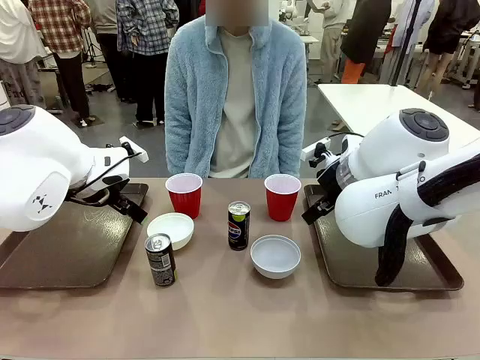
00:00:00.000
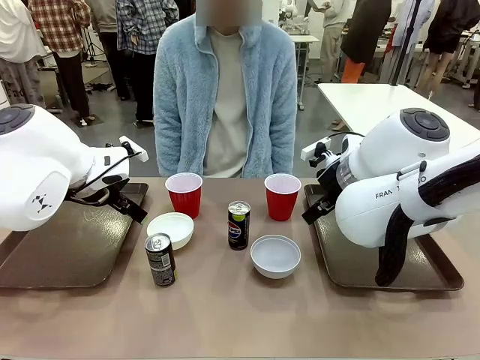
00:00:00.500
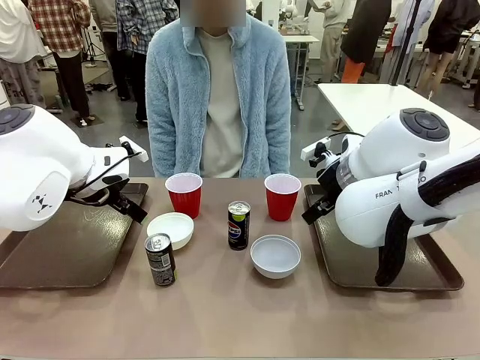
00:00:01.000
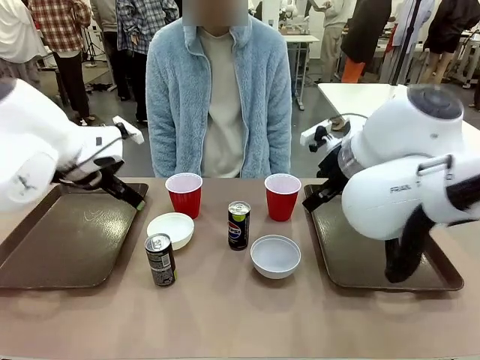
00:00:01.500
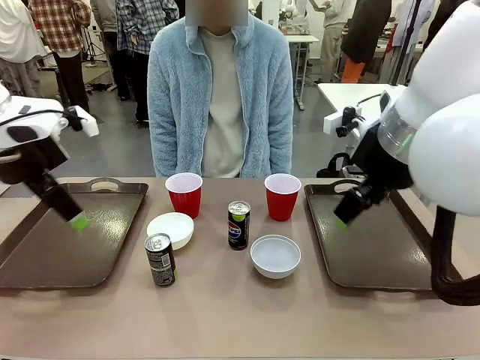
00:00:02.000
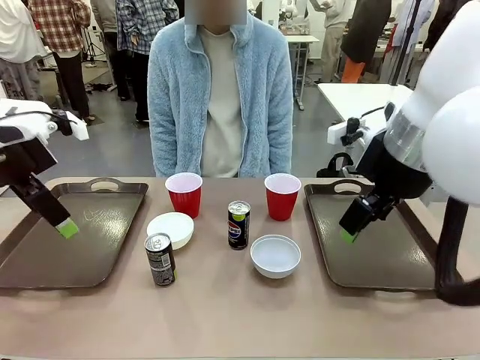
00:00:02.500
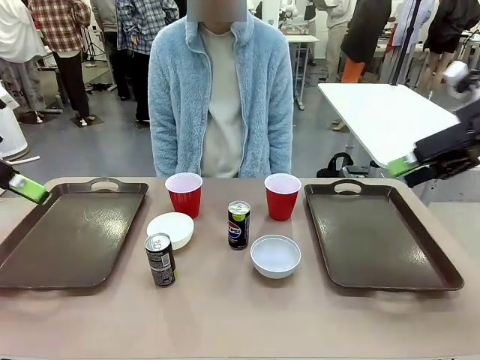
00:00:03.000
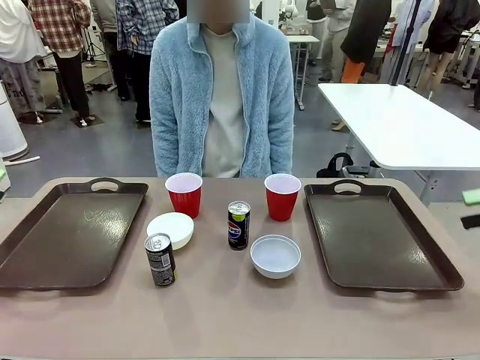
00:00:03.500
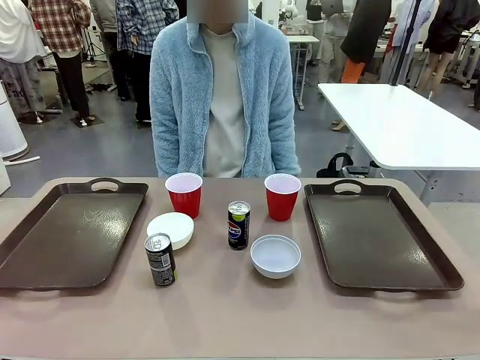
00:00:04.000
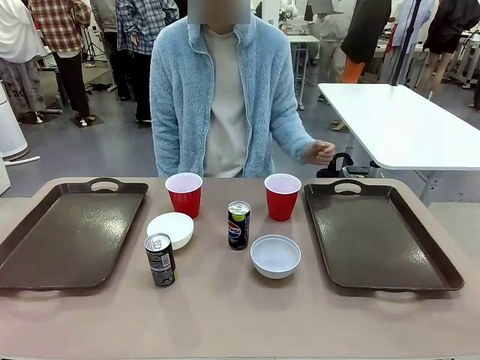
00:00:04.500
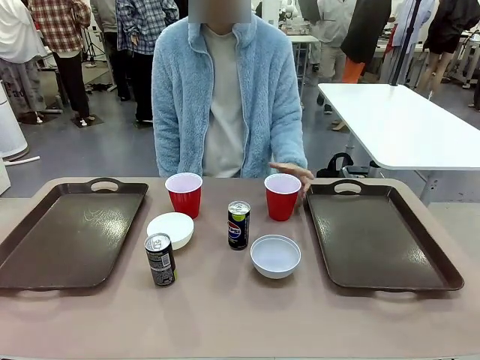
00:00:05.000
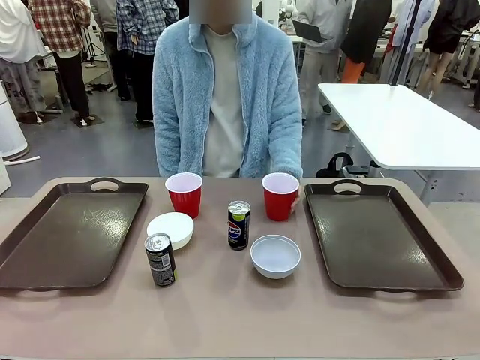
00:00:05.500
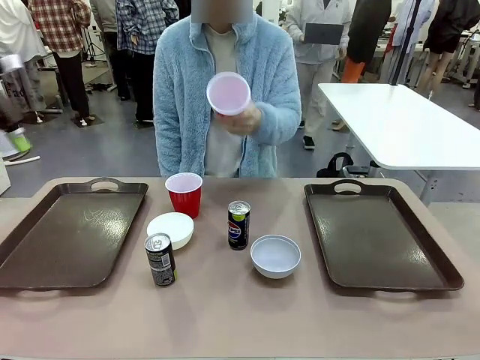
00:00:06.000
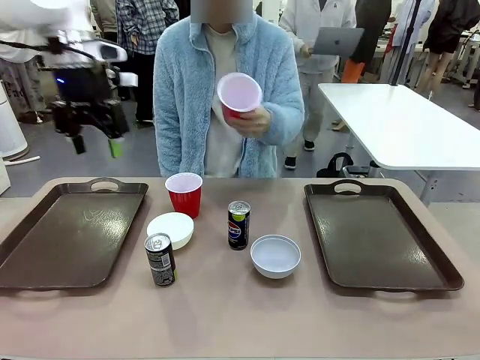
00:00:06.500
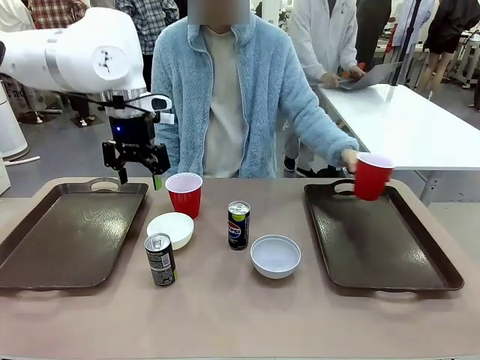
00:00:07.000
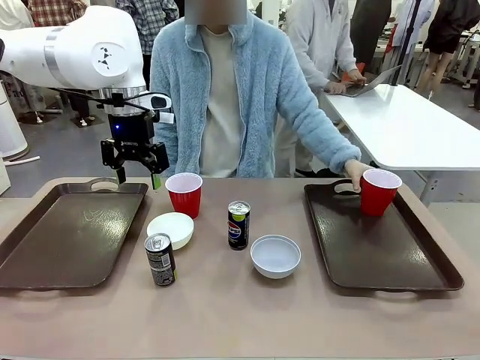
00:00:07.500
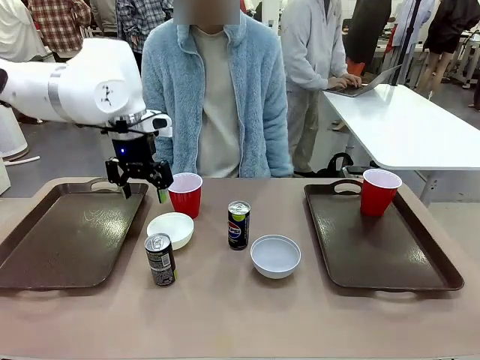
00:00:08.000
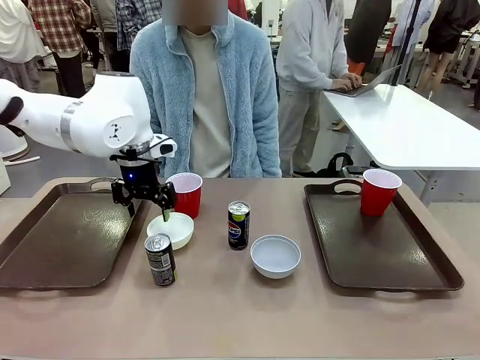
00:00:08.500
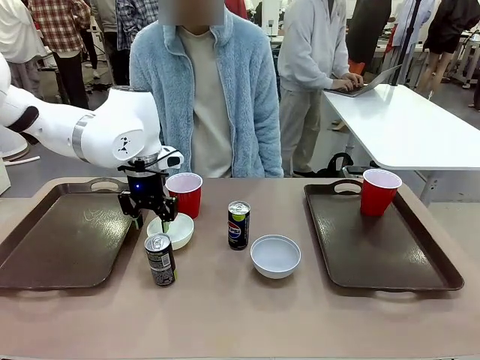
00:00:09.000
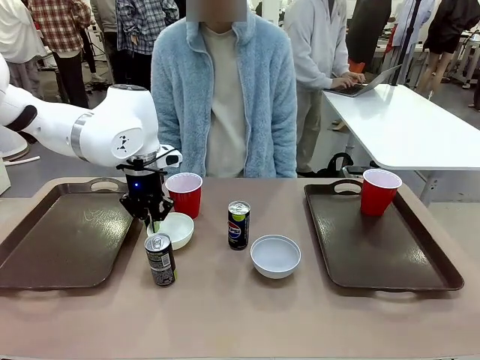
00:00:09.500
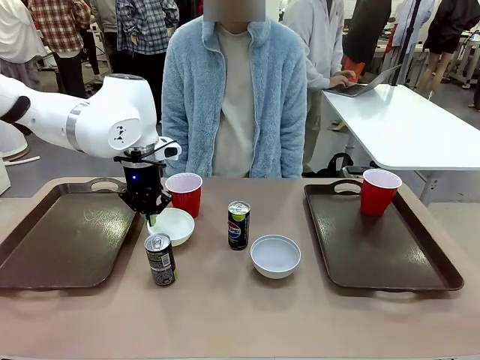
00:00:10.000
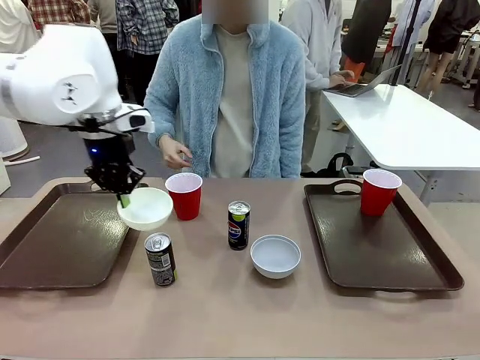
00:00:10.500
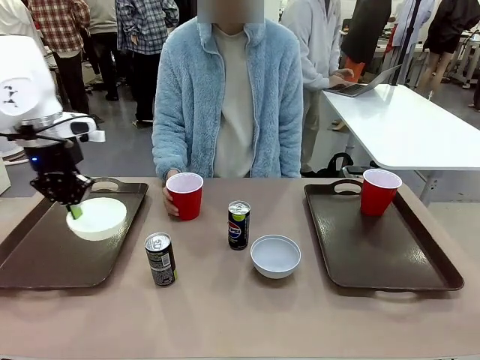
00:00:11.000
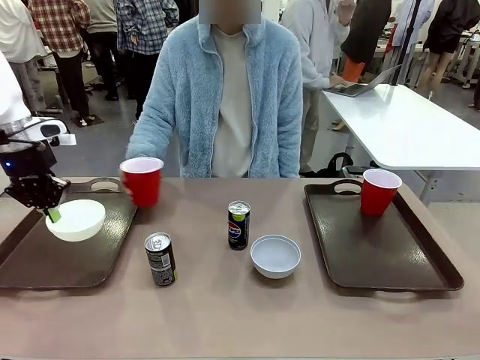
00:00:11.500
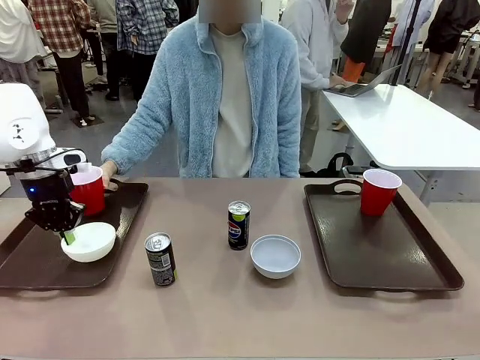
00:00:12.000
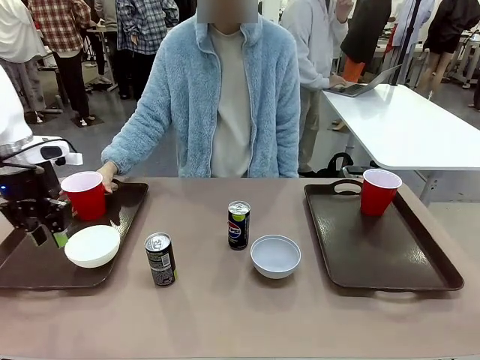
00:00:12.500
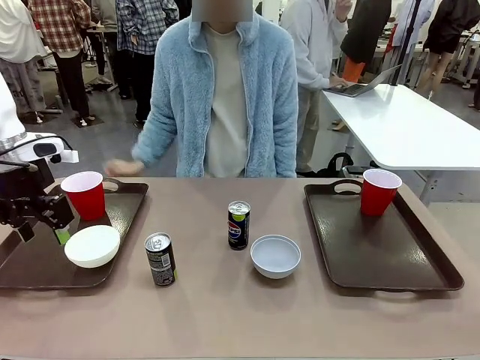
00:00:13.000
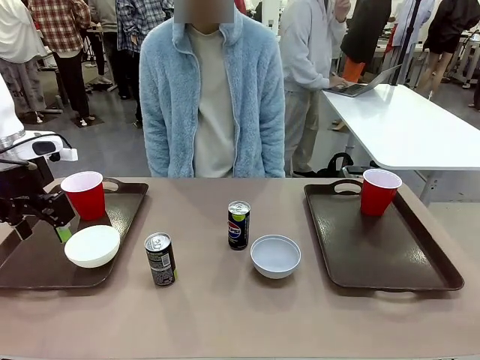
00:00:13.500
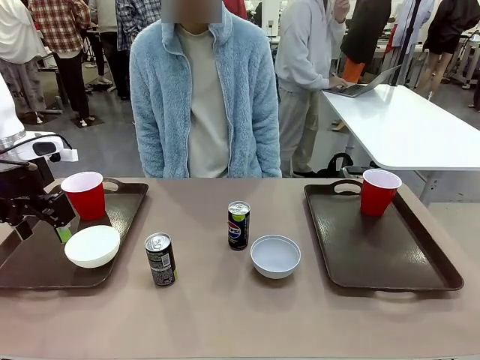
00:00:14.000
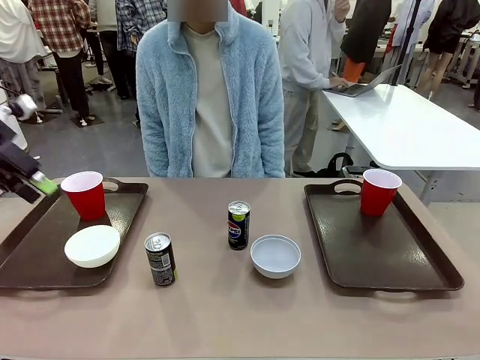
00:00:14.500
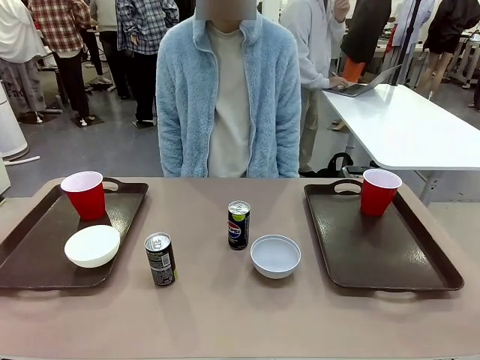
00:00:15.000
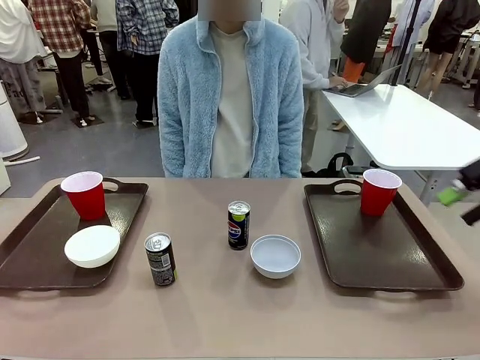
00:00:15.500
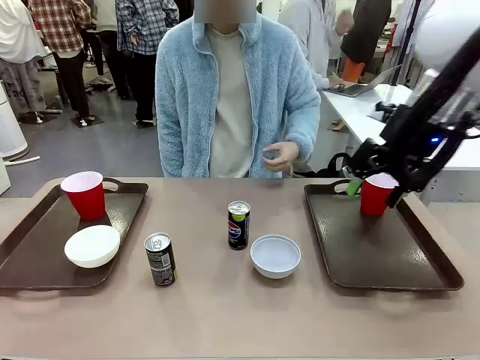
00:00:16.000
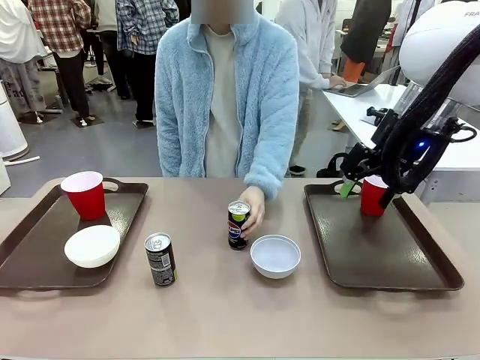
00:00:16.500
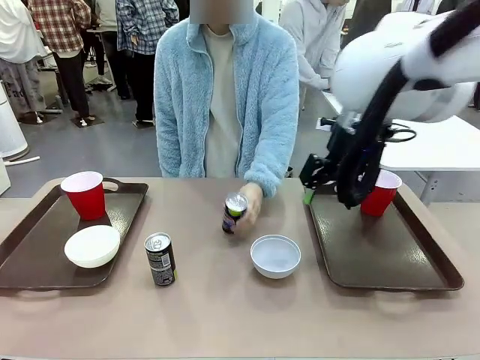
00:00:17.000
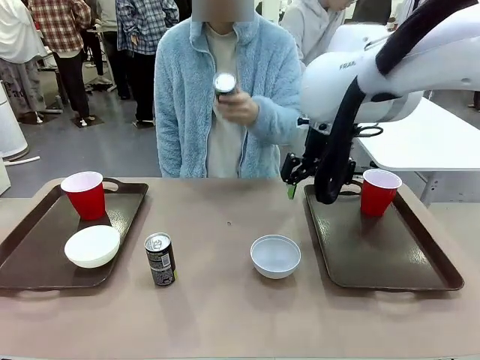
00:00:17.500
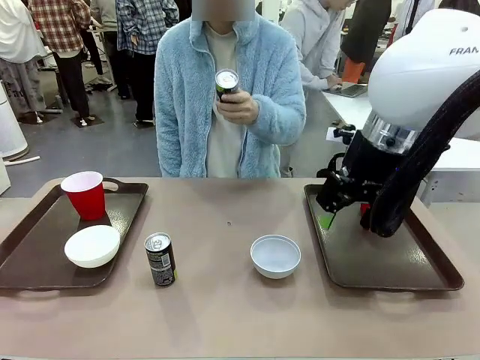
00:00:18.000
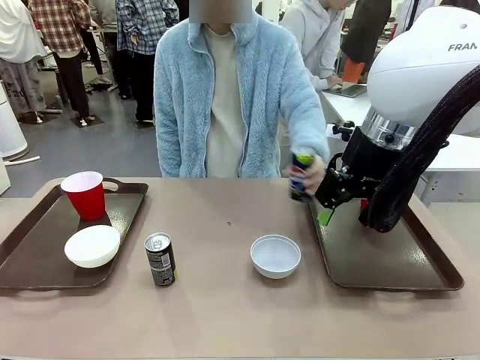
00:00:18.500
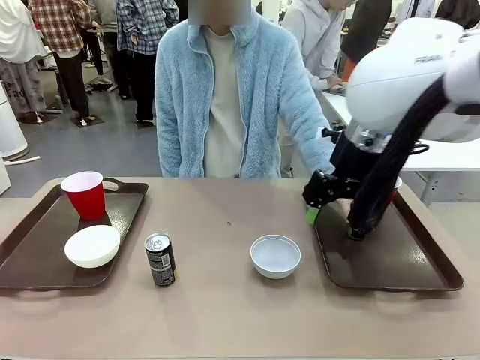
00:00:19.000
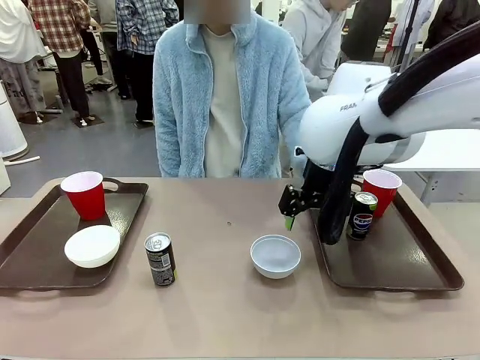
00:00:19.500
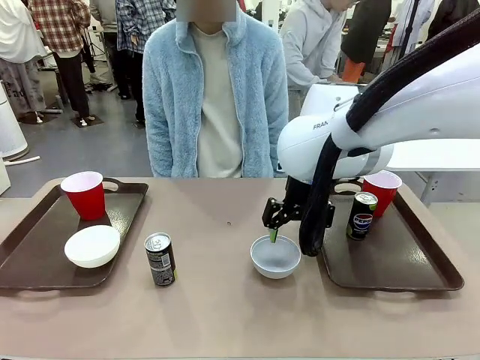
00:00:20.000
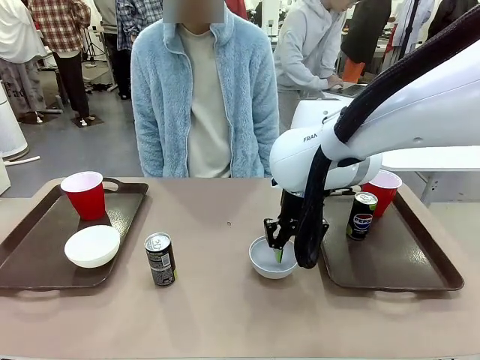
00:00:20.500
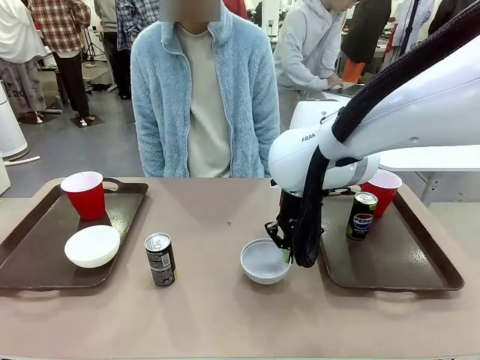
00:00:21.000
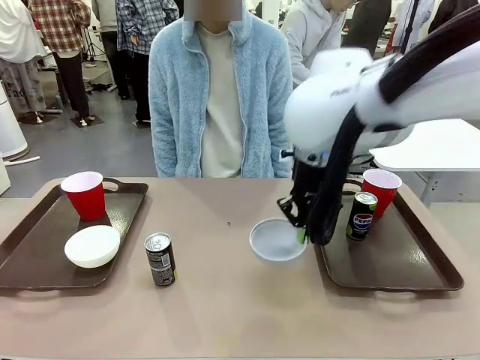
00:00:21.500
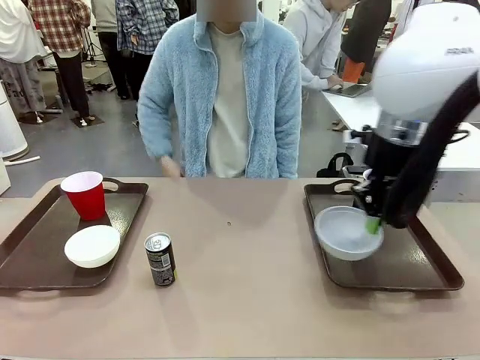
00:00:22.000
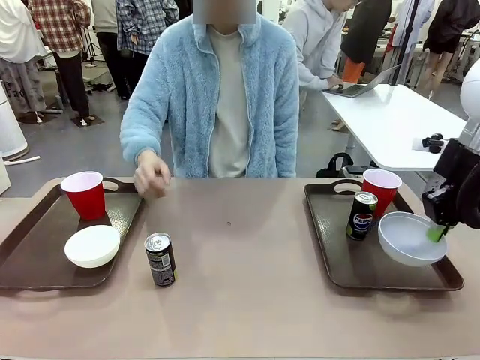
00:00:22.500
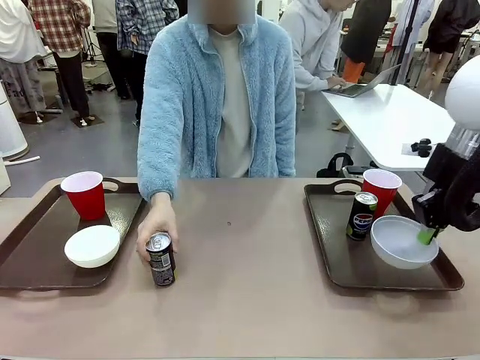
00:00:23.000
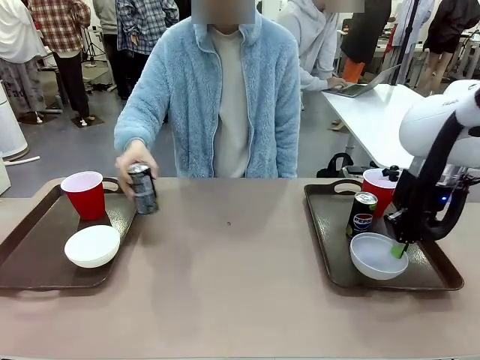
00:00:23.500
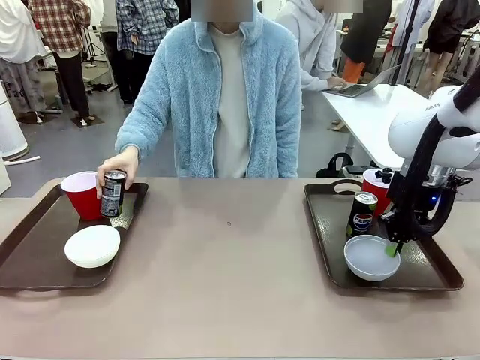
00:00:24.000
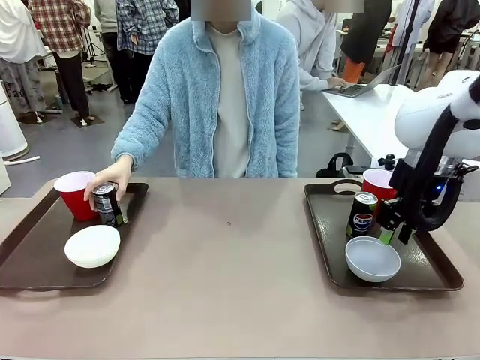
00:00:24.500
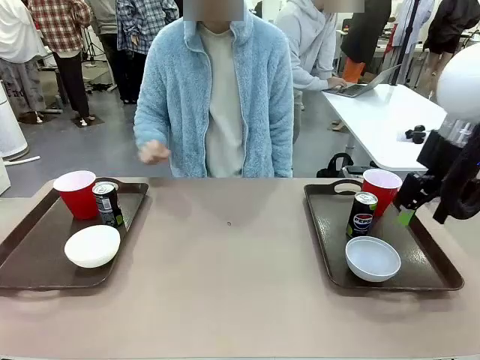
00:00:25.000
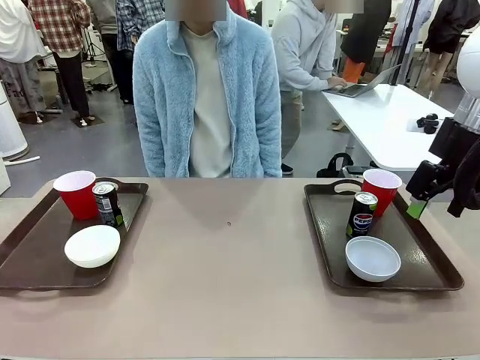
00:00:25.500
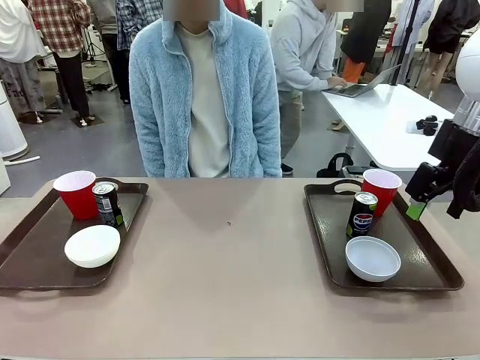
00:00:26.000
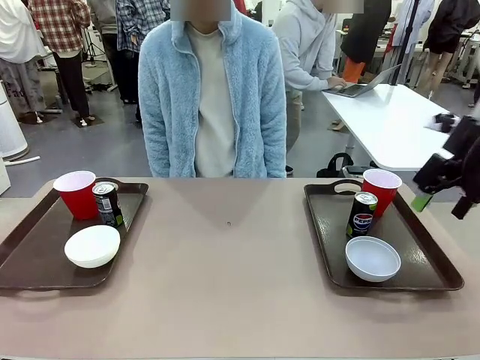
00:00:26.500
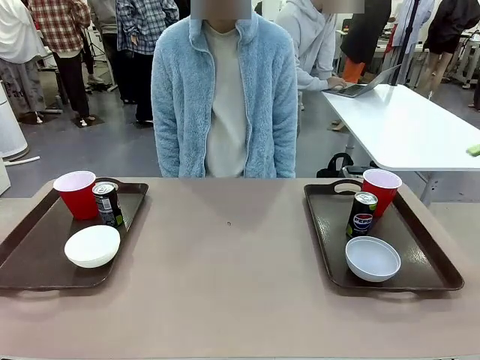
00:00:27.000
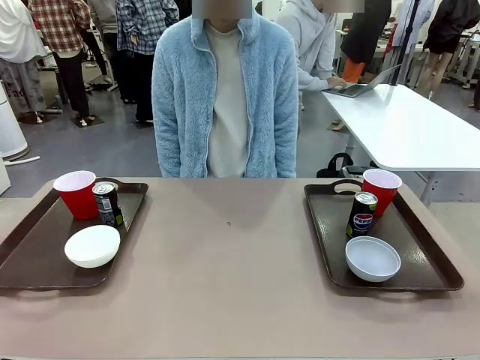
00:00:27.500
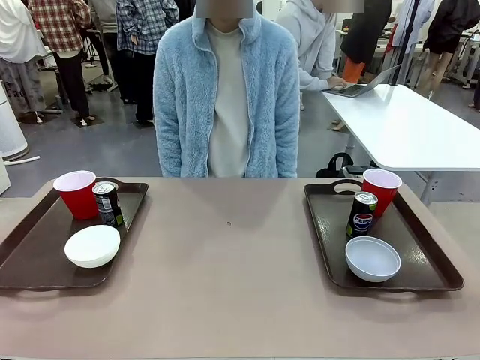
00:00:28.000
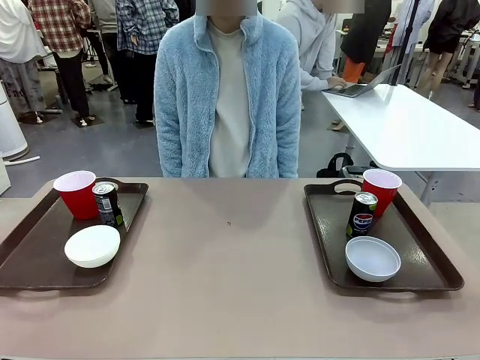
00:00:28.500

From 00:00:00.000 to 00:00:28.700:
Task: Prepare tableware on both trays.
Robot: Pick up a Picnic Bowl from the table and place it on a Handle tray.
Person: Pick up a can or cup and place it on the tray. Pick up a can or cup and place it on the tray without a can or cup.
